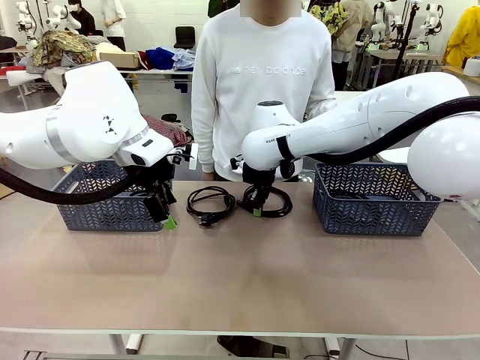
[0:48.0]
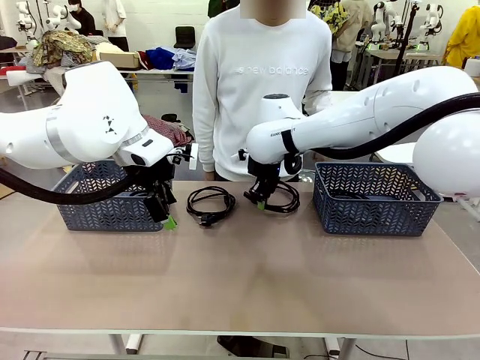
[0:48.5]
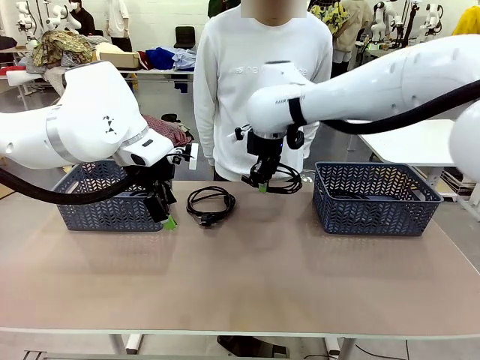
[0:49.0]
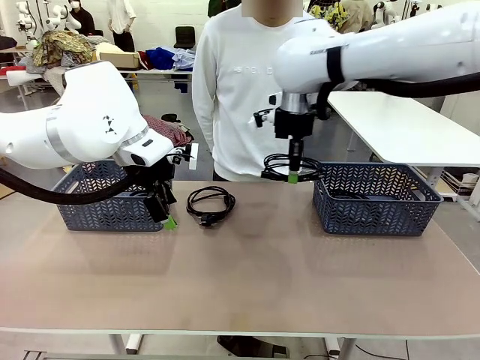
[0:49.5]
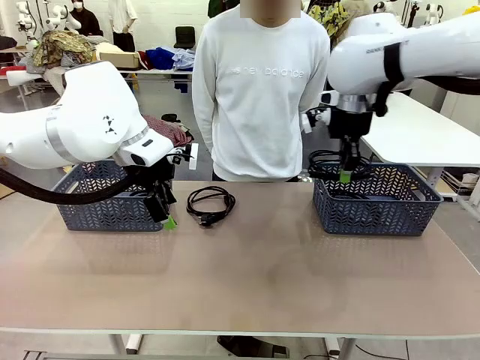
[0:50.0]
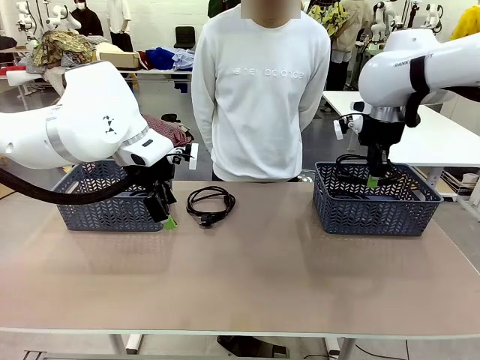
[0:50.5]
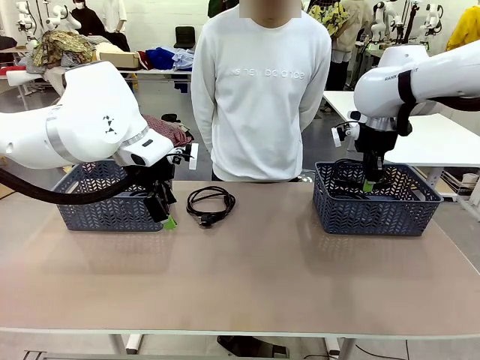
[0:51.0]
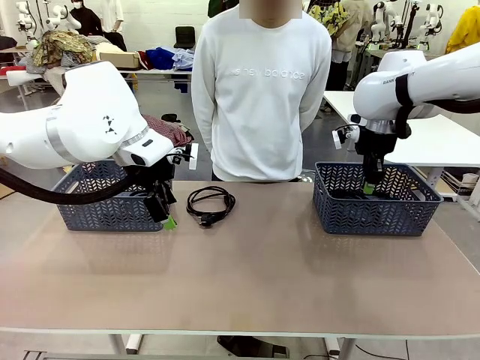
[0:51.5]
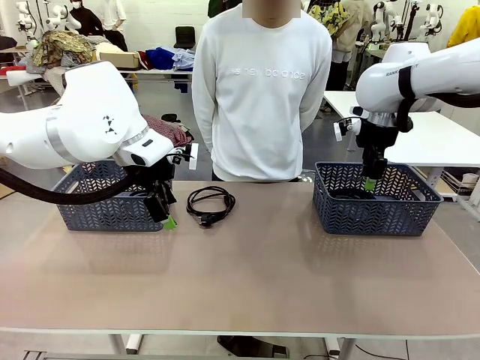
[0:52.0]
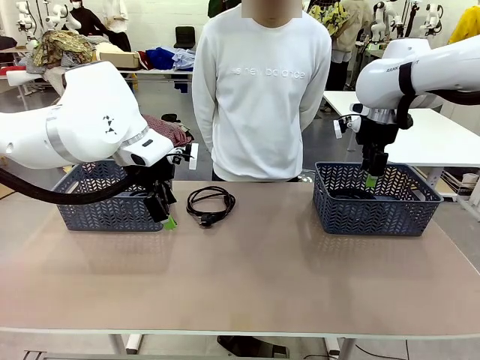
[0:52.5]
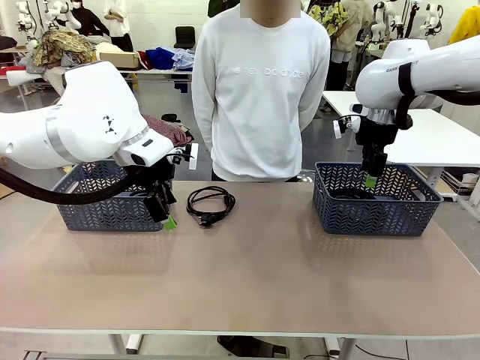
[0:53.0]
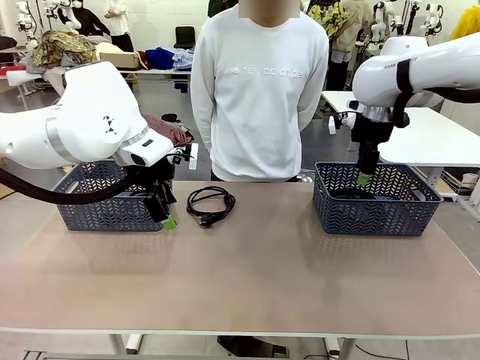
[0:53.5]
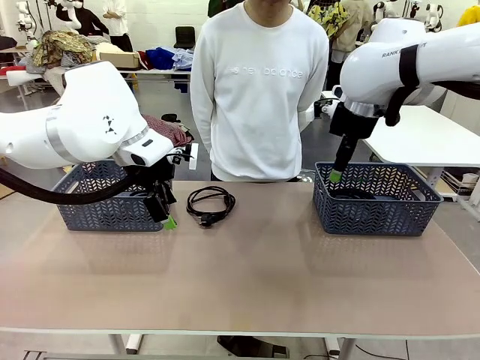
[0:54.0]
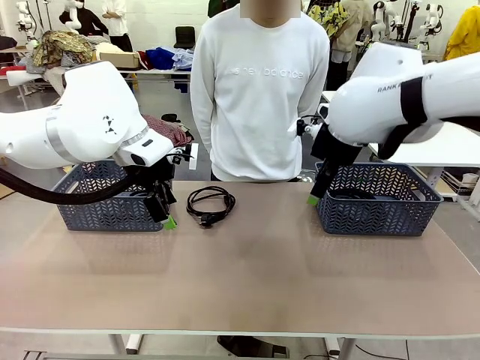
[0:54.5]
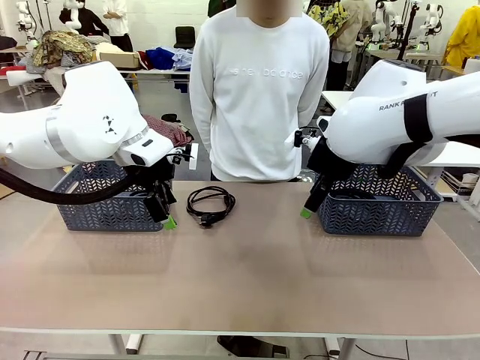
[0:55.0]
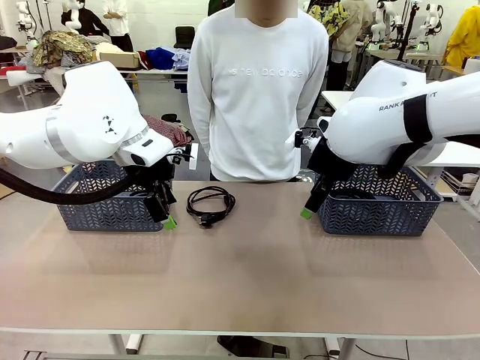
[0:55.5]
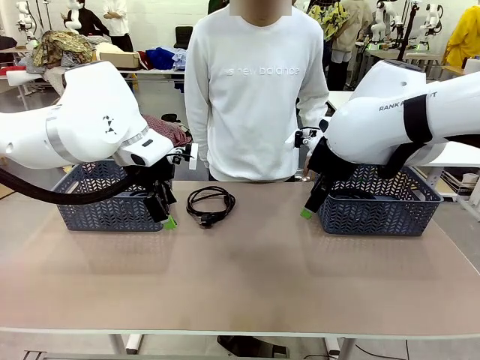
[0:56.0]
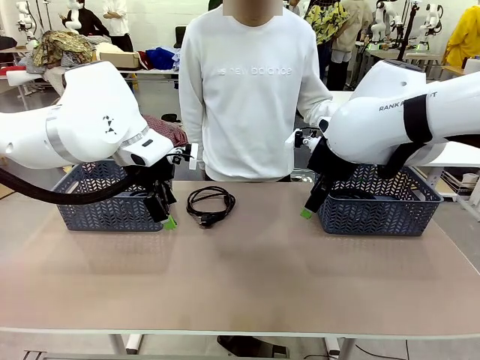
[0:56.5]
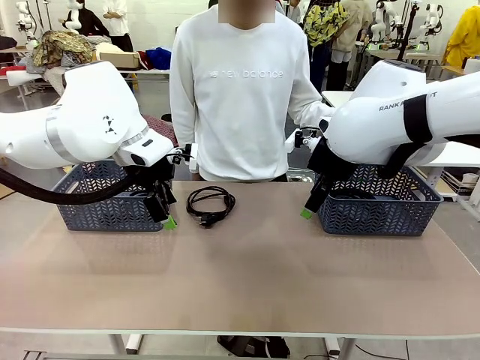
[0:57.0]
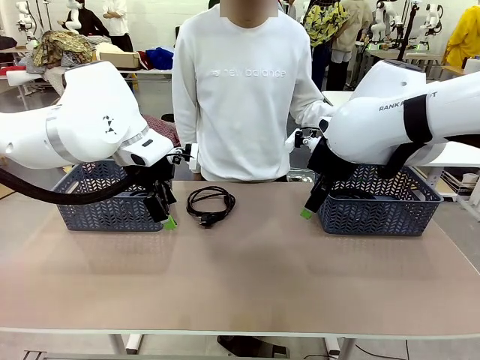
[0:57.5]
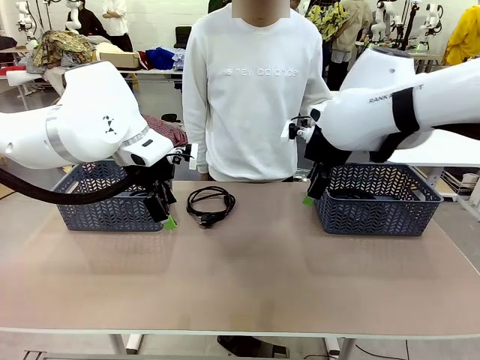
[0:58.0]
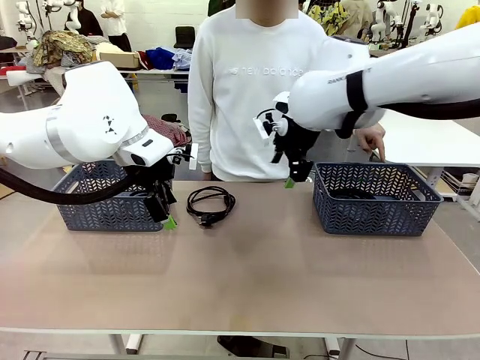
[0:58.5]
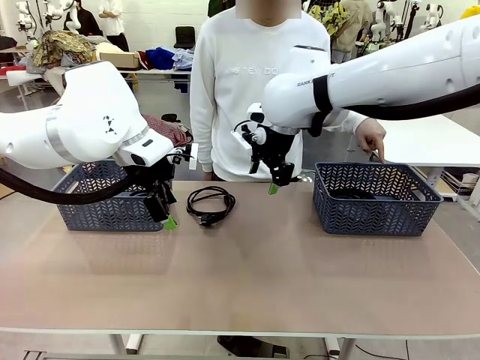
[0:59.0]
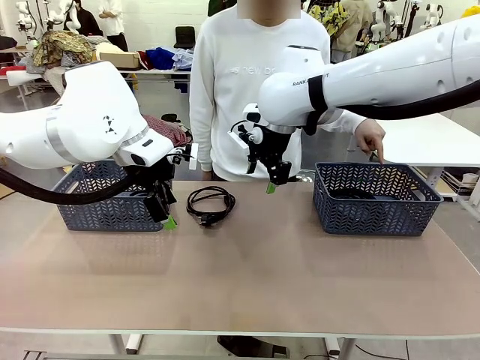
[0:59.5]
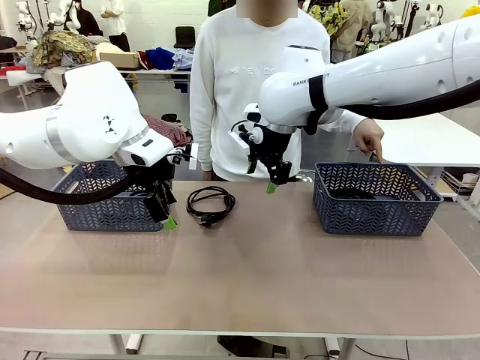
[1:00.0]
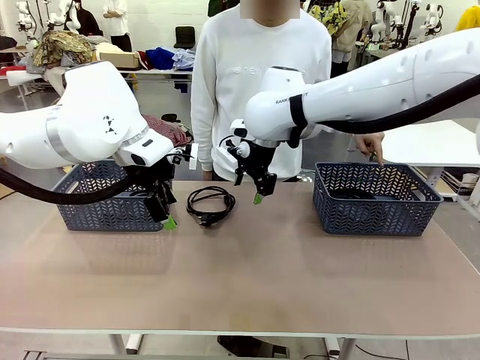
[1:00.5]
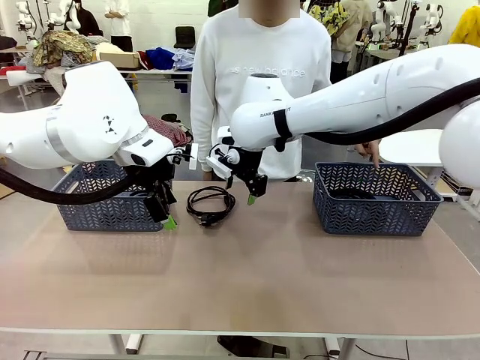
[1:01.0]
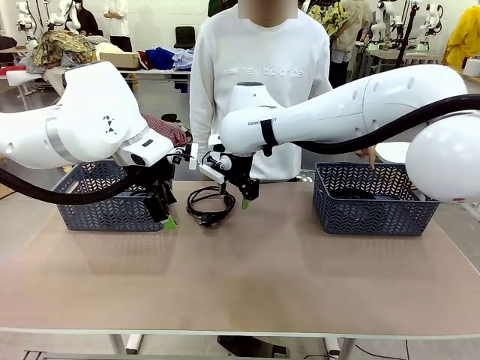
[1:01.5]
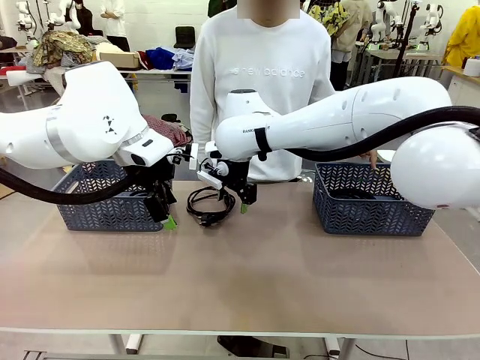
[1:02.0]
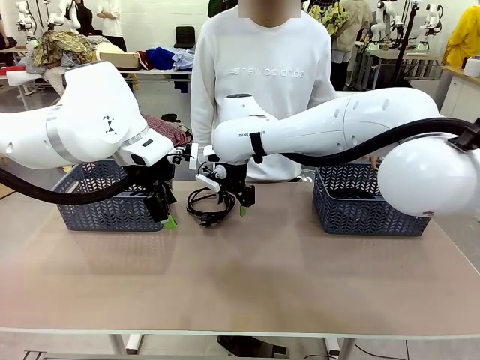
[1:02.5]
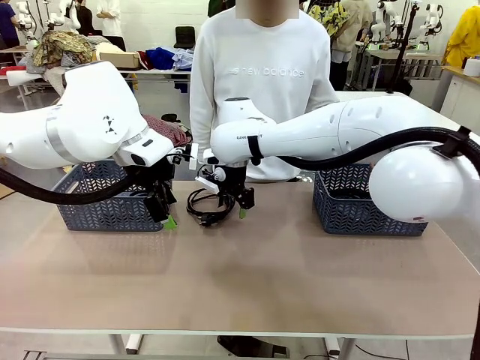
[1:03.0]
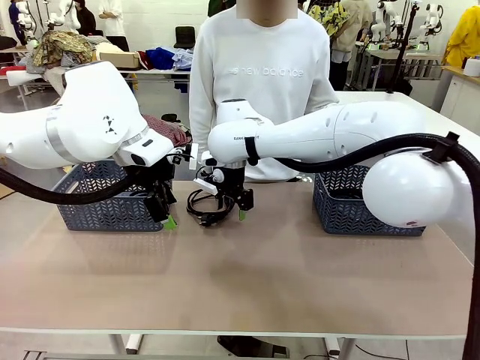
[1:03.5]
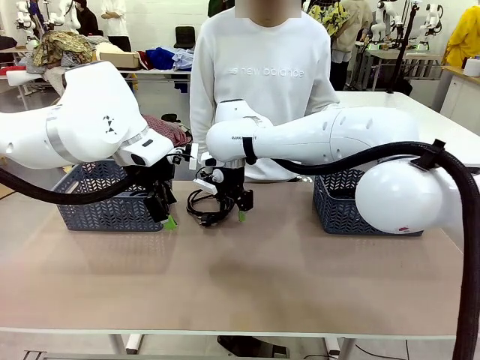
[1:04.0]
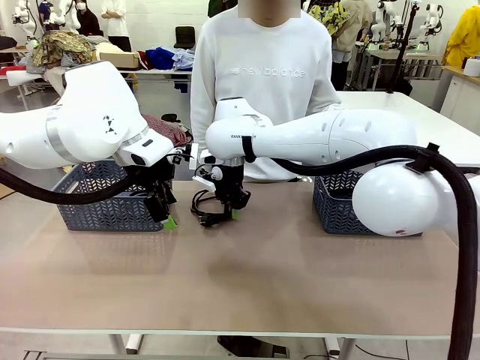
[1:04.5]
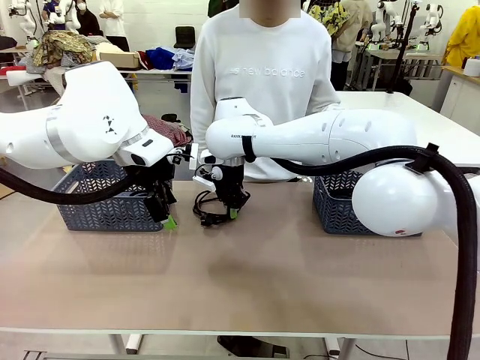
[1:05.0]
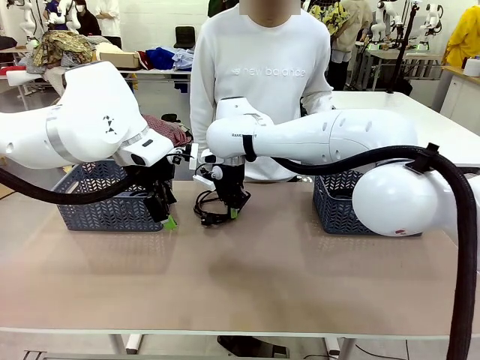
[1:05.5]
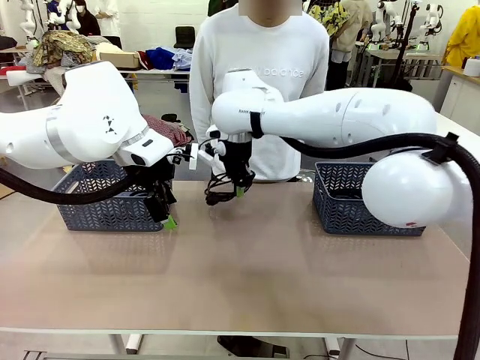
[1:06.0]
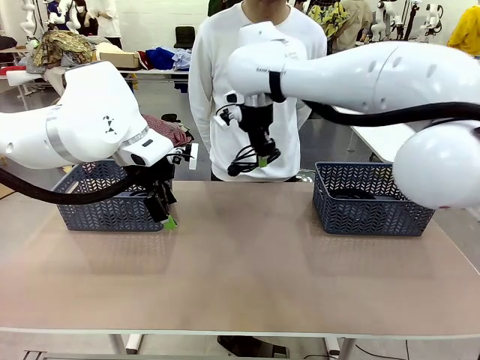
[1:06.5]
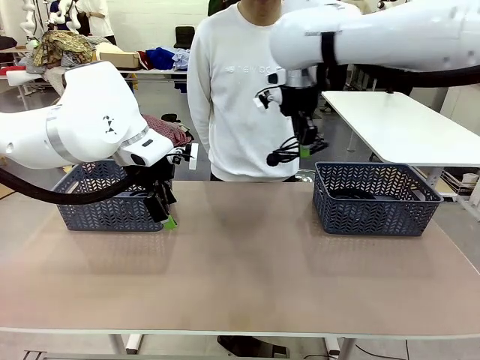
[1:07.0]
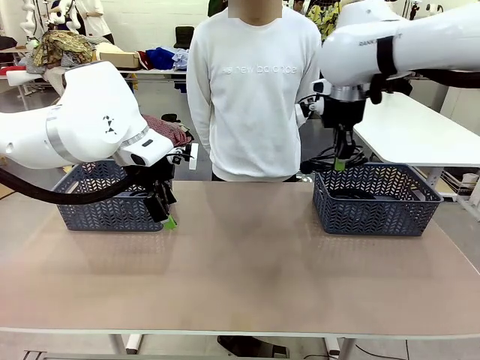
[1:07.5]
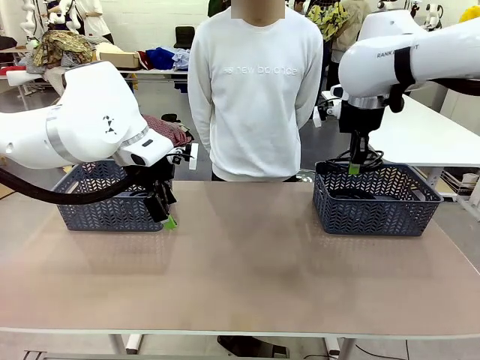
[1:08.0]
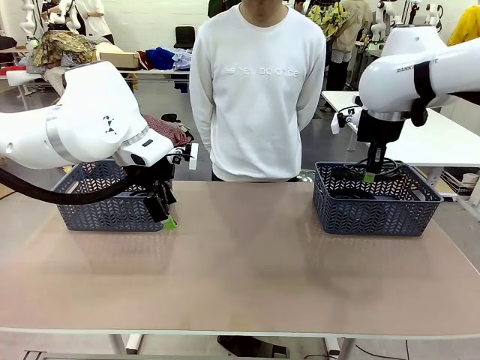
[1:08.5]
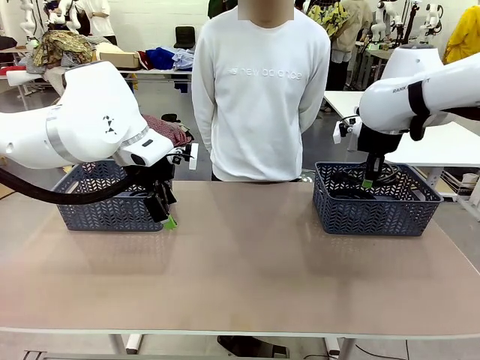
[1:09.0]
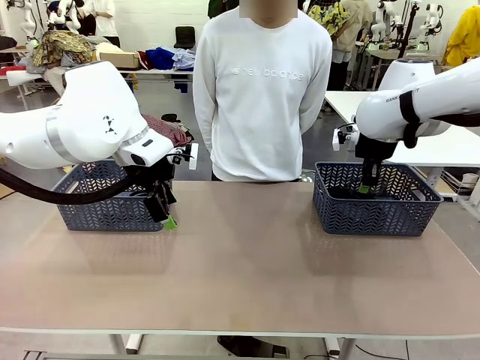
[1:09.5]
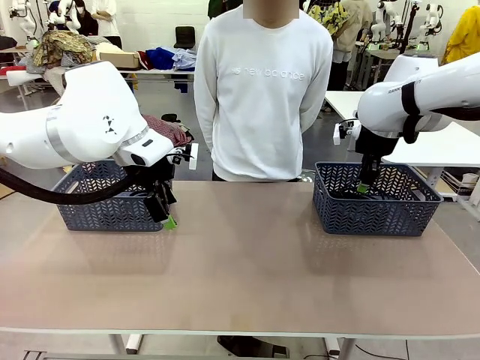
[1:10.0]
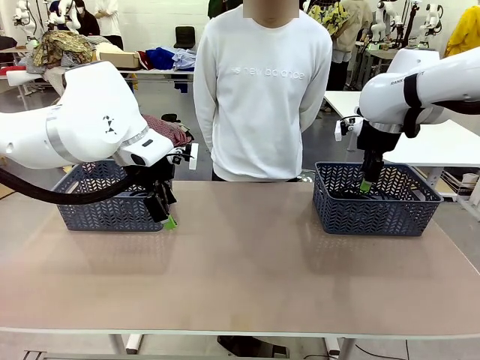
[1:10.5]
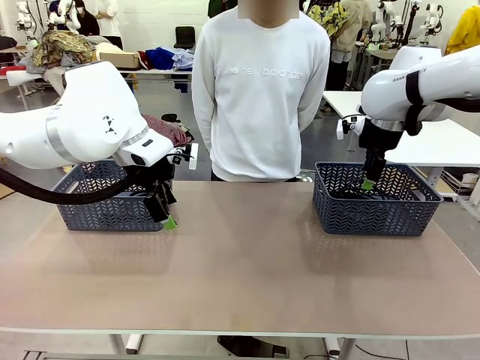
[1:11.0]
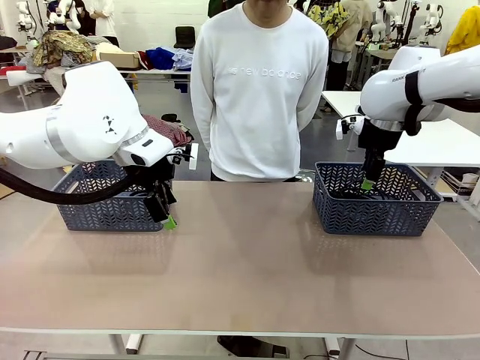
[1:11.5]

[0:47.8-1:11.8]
Task: Organize the cables according to human instructions.
Robot: Pick up a bundle of cables and place it in the basket indicated by the human.

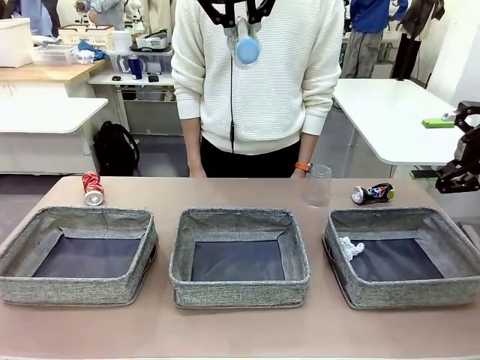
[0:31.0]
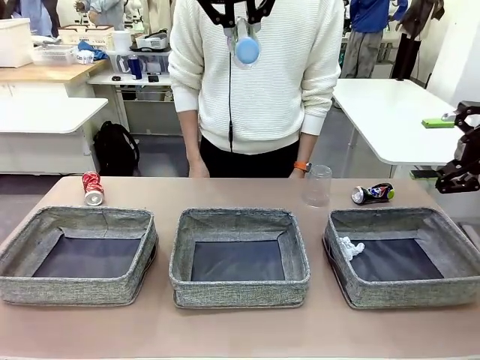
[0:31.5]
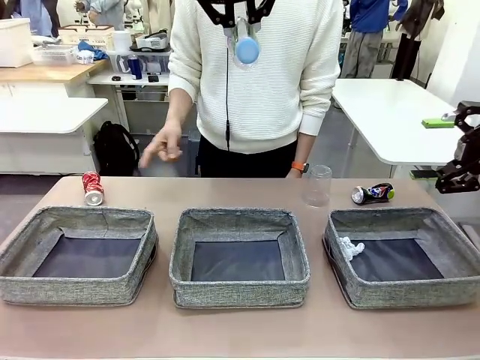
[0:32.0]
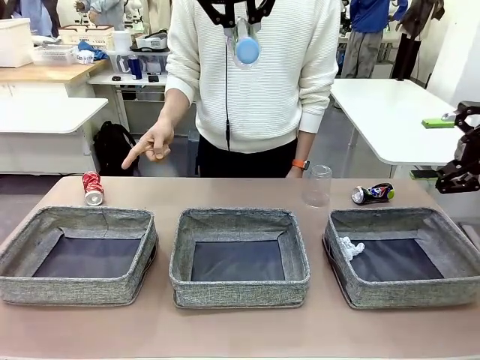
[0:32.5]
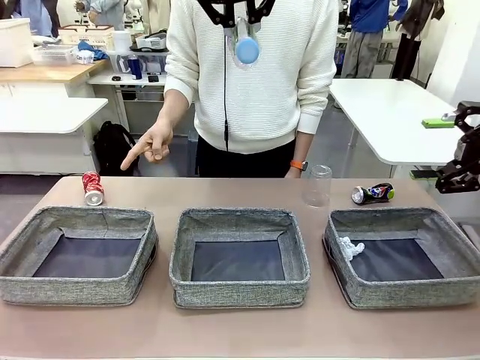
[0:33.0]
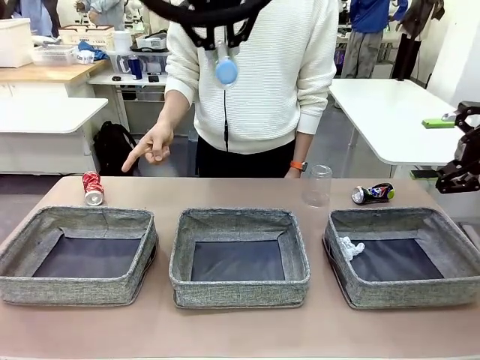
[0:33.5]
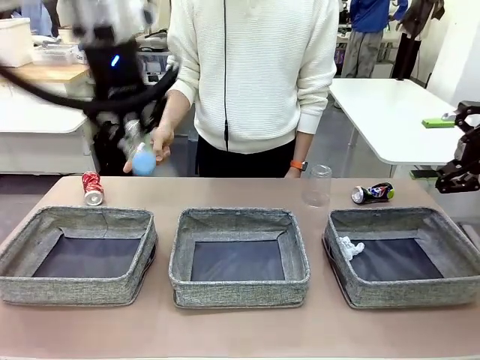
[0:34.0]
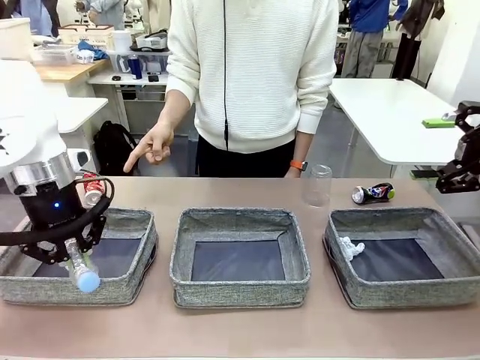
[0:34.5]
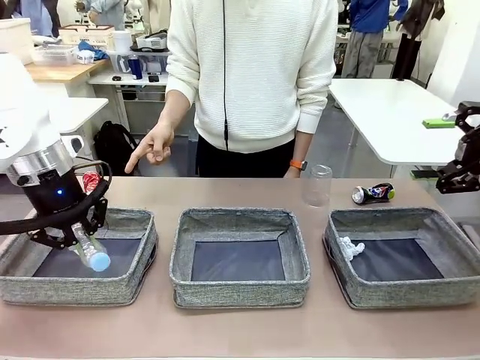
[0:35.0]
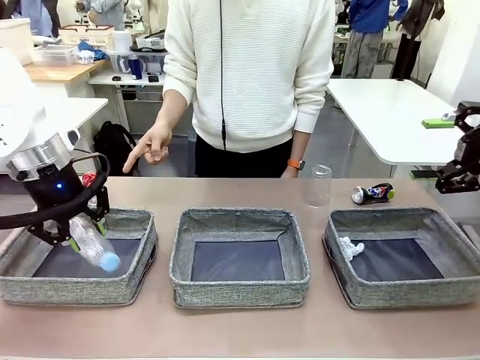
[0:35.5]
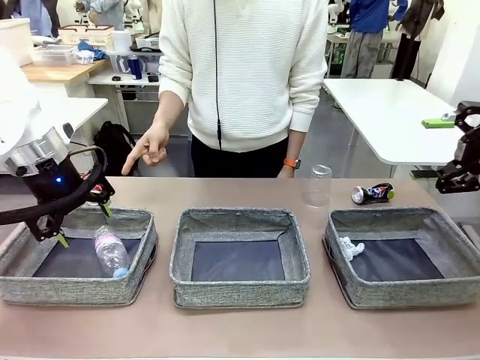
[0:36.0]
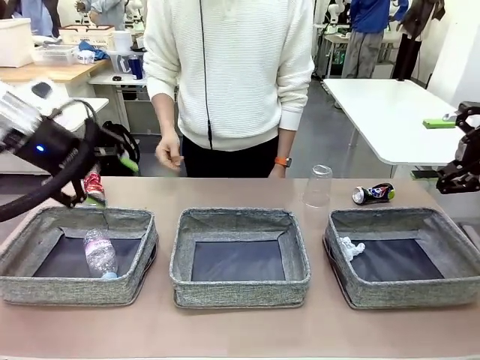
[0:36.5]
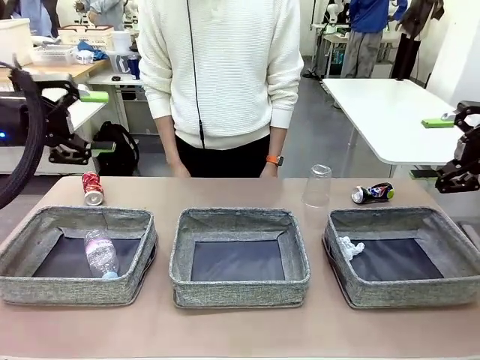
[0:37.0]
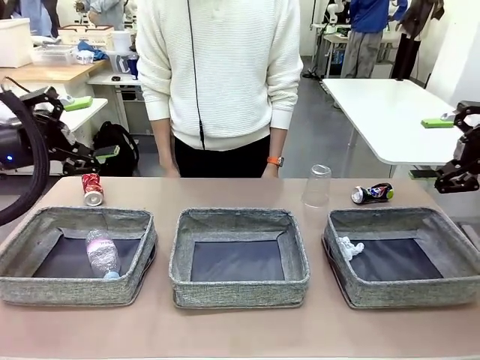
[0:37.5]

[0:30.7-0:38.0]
Task: Sort the waste into the appropriate baskets.
Robot: Place the picked waste into the Fabric basket indicated by the person.
Person: Instructs the robot to place the picked-up trash into the appropriate organizing basket.
